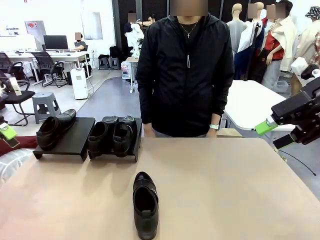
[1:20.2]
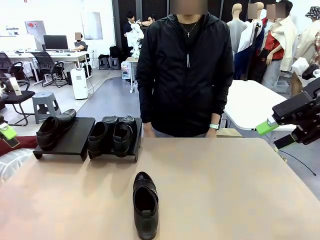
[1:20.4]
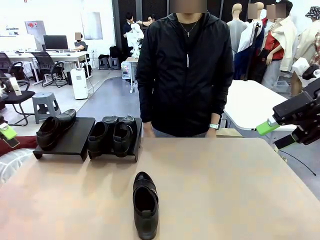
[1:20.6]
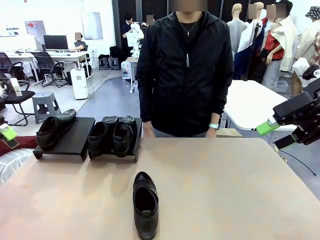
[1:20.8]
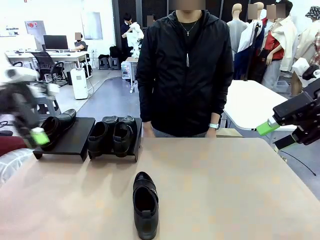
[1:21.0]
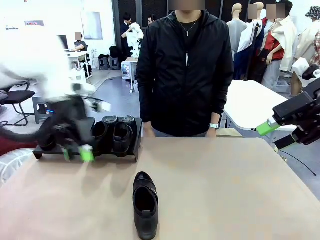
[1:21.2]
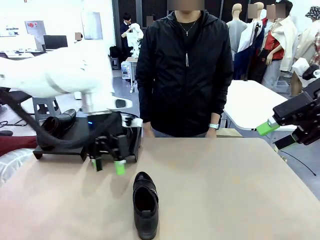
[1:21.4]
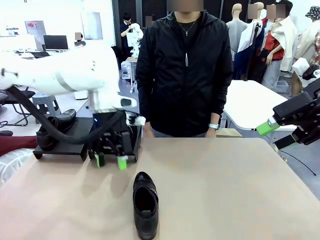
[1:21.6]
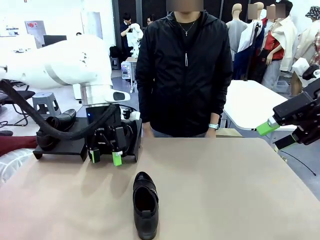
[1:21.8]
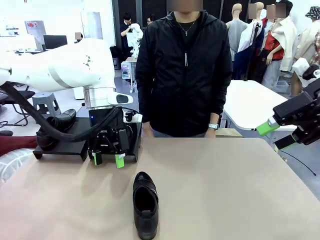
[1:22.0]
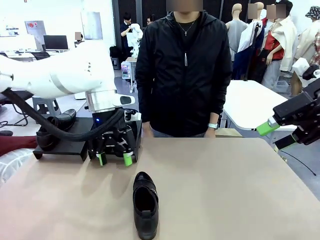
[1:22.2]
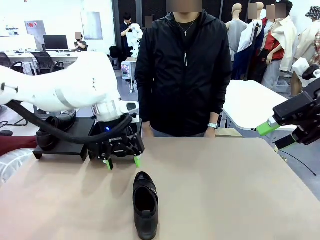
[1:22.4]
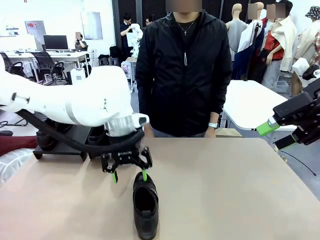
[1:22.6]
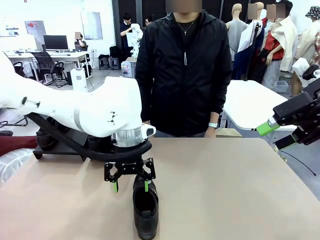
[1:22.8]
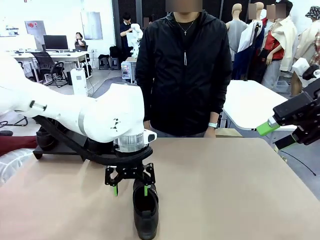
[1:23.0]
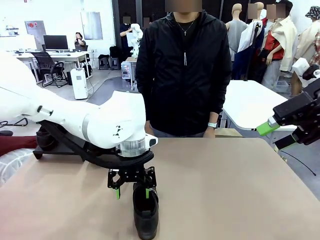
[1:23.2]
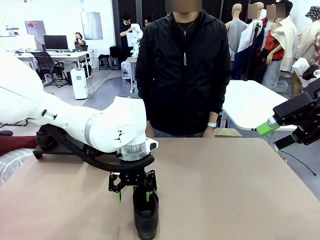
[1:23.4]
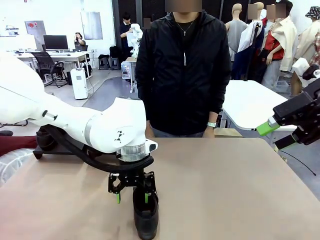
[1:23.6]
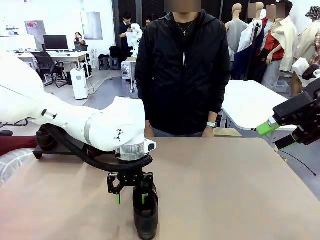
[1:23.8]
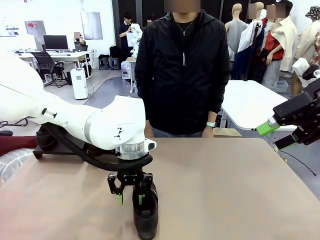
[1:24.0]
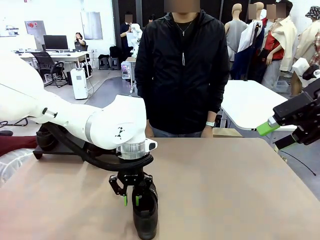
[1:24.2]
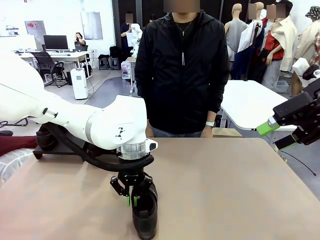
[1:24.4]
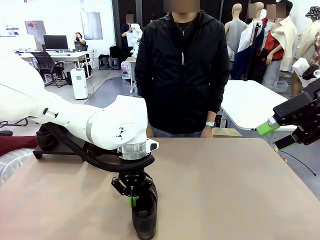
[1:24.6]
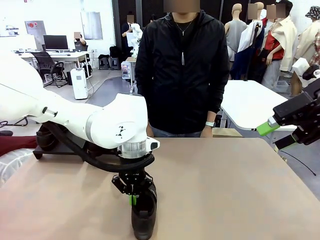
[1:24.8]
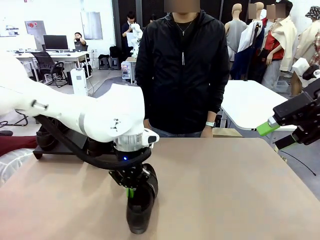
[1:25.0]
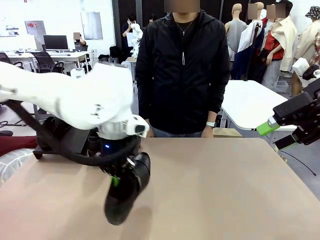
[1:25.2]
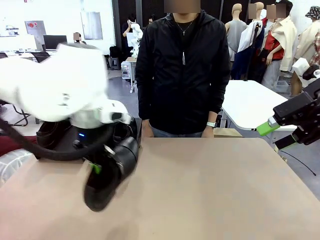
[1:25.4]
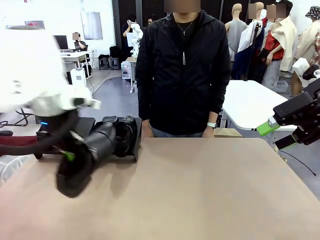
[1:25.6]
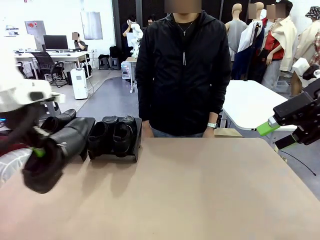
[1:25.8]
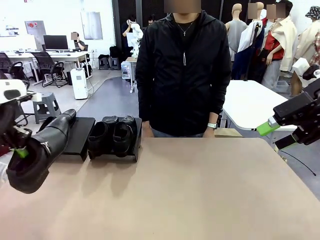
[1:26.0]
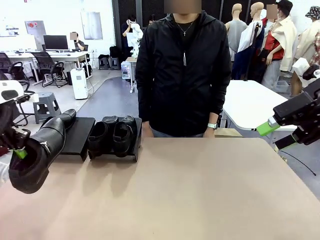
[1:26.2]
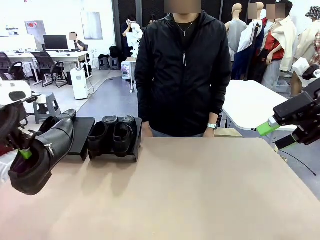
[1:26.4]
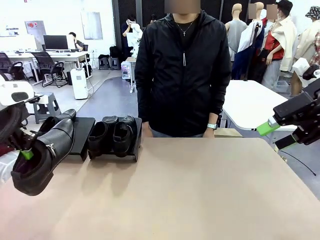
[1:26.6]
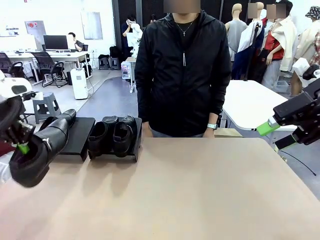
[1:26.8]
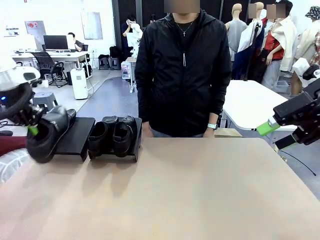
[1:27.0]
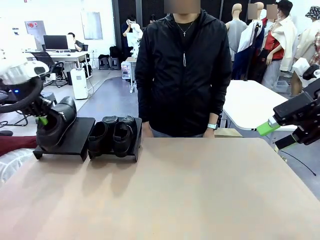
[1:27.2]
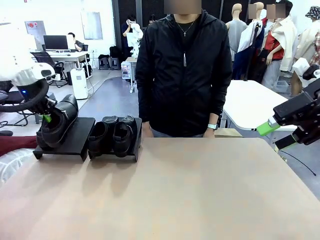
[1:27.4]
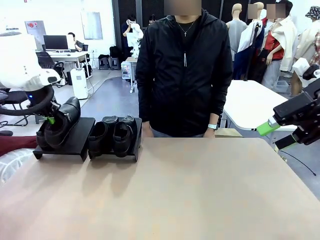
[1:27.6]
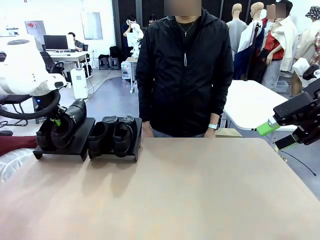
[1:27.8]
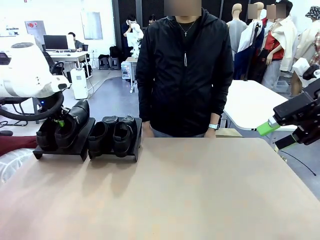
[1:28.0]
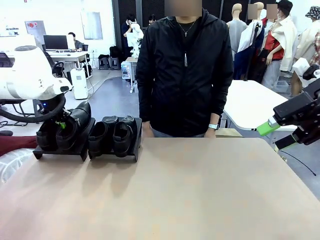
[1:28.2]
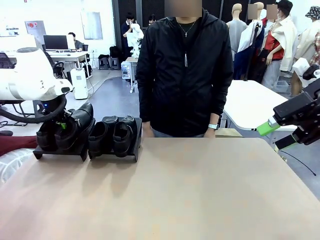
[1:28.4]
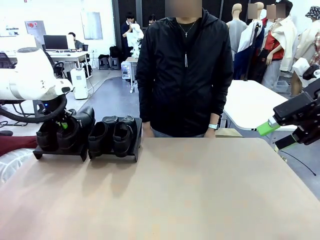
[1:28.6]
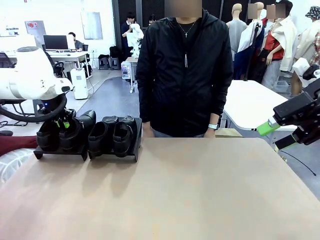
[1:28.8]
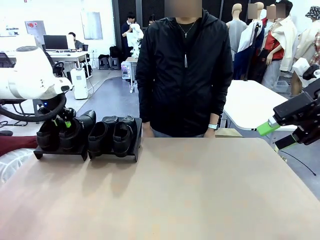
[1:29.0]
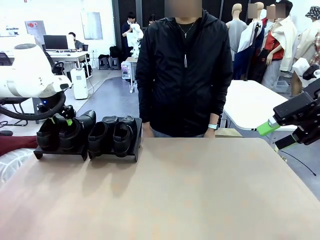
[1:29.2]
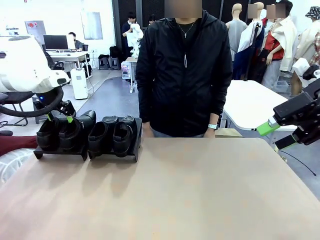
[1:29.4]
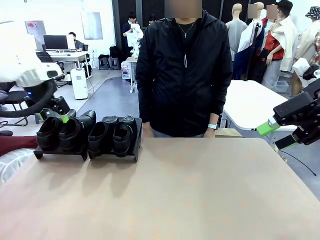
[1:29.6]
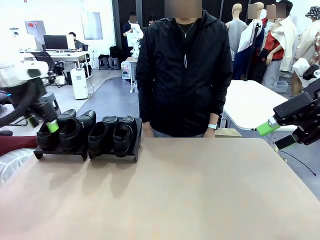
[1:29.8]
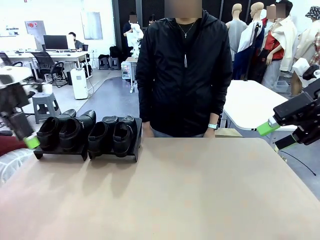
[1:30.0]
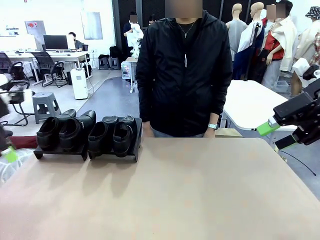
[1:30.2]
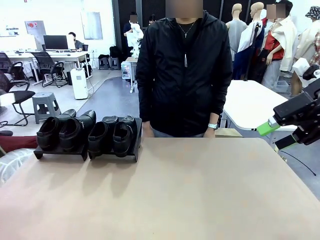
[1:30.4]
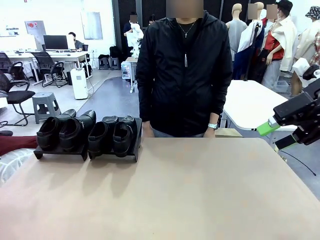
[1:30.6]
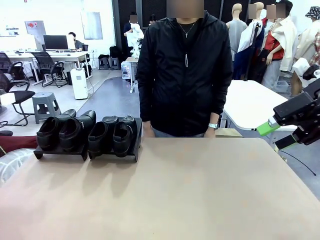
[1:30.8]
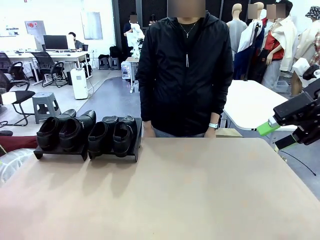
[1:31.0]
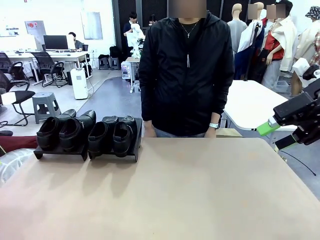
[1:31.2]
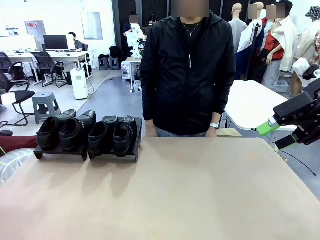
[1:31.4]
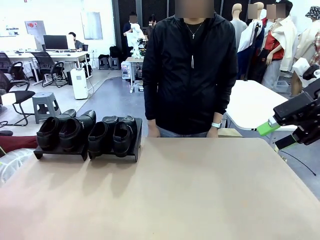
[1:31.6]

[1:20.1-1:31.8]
Task: Organize the shoes by placing them on the stand.
Robot: Place the Shoe from the middle of the table onto the Shoes Stand.

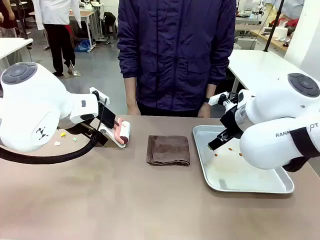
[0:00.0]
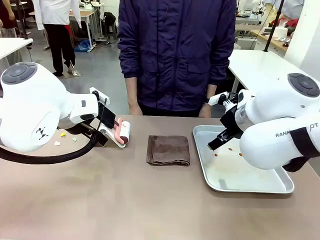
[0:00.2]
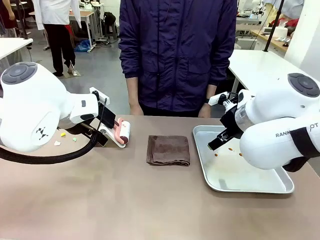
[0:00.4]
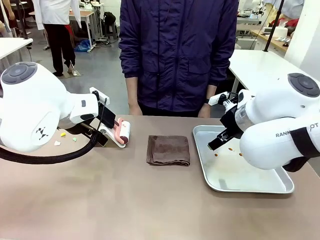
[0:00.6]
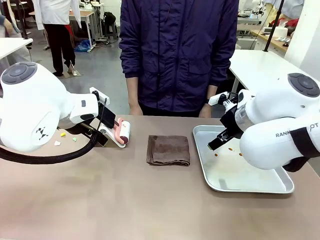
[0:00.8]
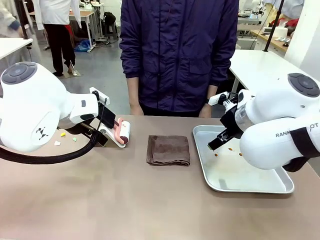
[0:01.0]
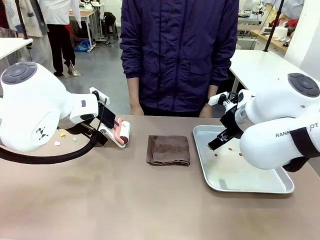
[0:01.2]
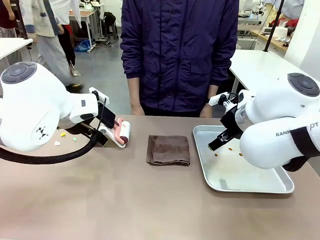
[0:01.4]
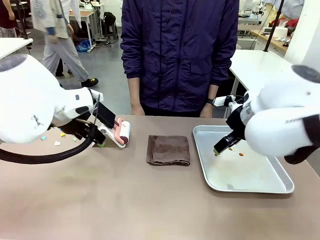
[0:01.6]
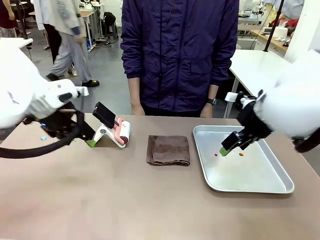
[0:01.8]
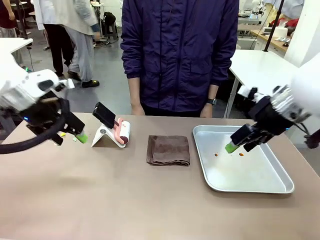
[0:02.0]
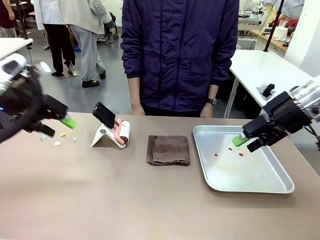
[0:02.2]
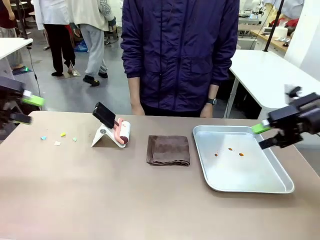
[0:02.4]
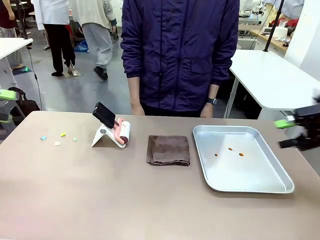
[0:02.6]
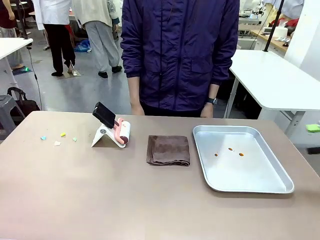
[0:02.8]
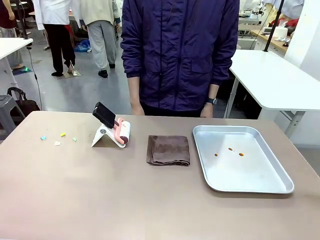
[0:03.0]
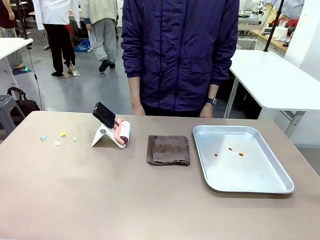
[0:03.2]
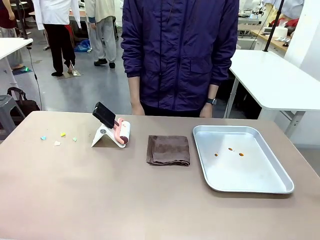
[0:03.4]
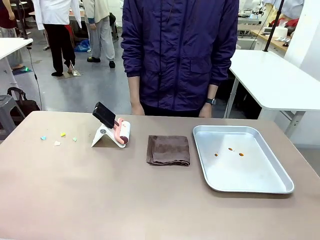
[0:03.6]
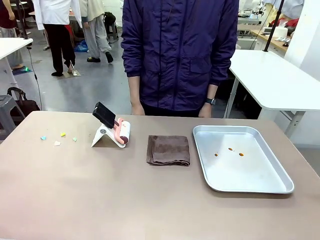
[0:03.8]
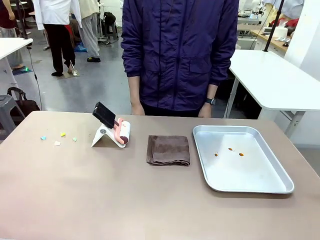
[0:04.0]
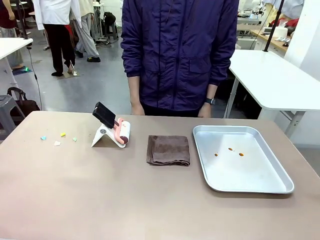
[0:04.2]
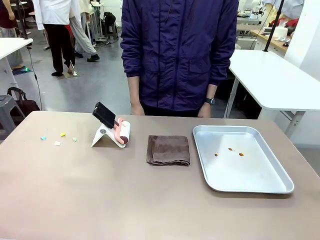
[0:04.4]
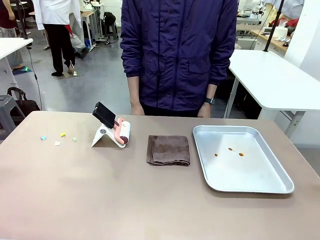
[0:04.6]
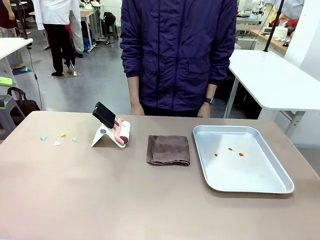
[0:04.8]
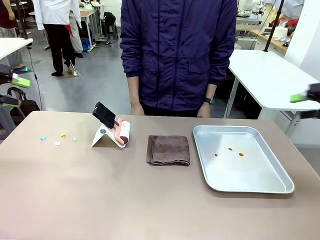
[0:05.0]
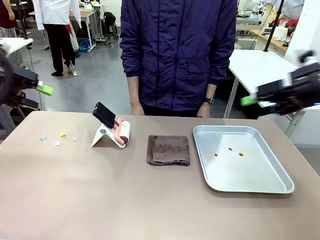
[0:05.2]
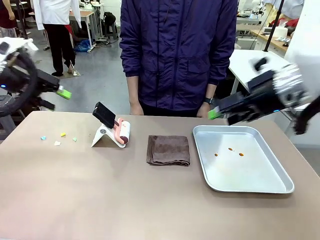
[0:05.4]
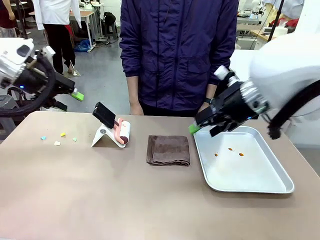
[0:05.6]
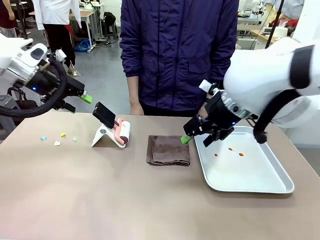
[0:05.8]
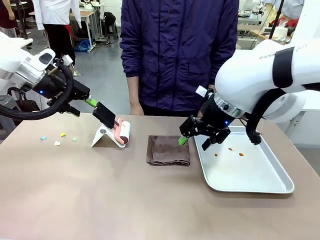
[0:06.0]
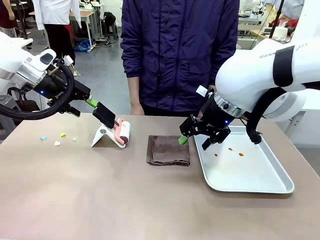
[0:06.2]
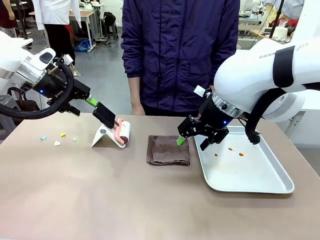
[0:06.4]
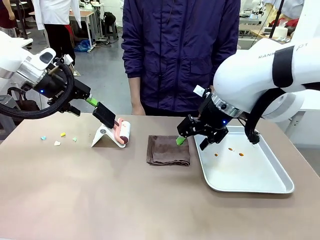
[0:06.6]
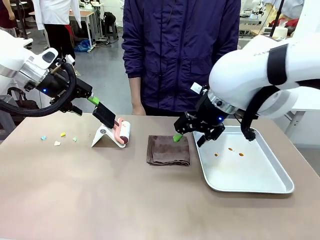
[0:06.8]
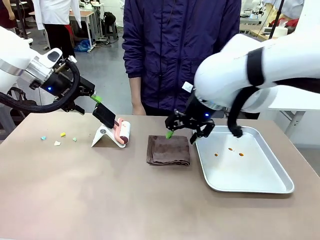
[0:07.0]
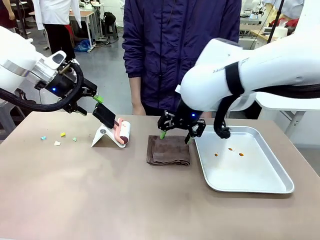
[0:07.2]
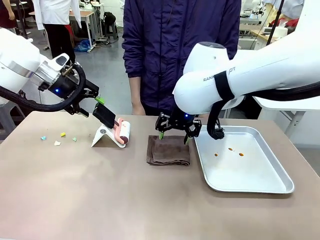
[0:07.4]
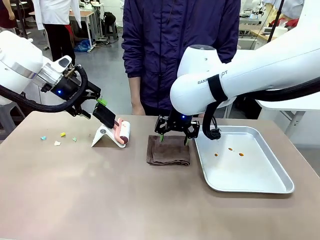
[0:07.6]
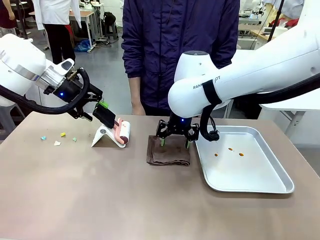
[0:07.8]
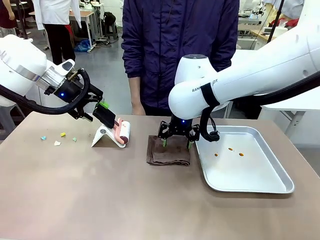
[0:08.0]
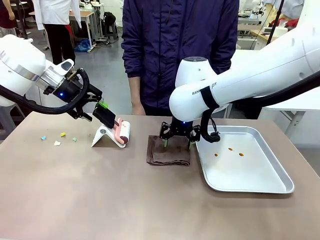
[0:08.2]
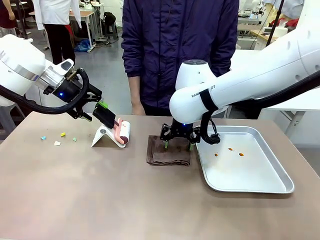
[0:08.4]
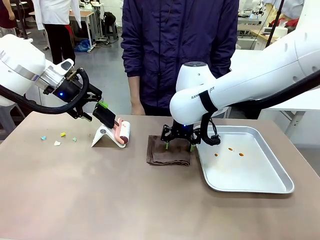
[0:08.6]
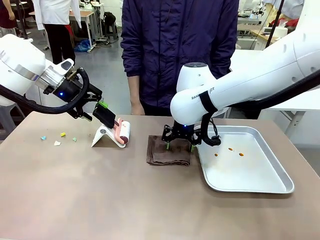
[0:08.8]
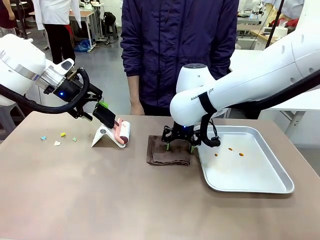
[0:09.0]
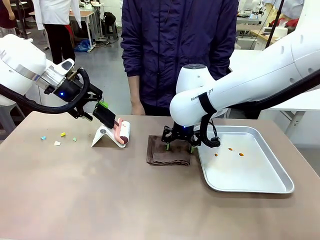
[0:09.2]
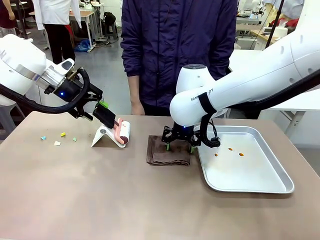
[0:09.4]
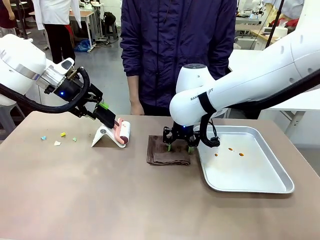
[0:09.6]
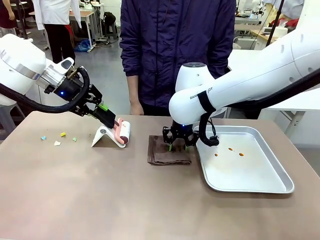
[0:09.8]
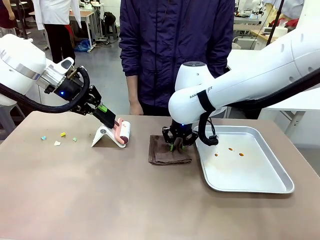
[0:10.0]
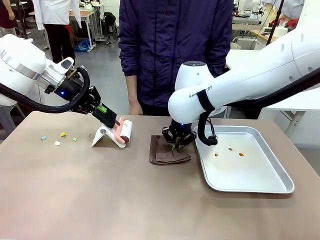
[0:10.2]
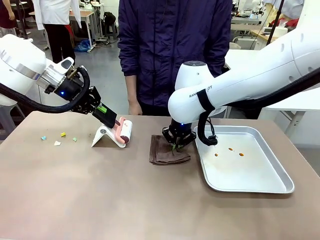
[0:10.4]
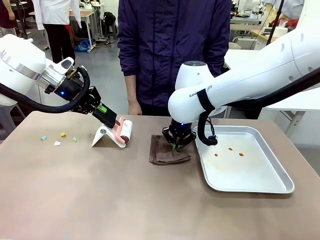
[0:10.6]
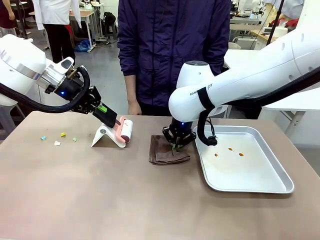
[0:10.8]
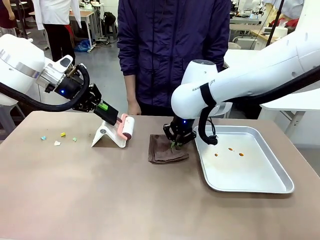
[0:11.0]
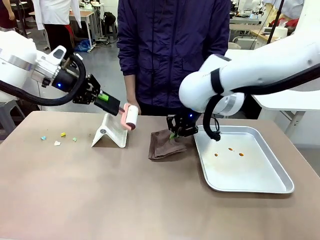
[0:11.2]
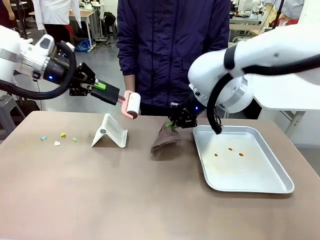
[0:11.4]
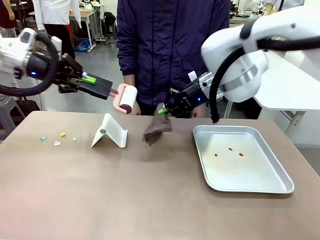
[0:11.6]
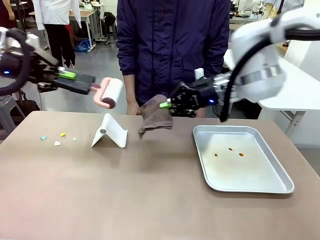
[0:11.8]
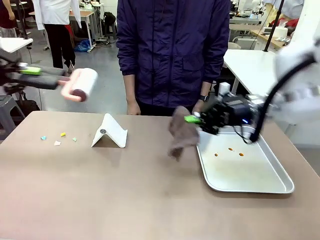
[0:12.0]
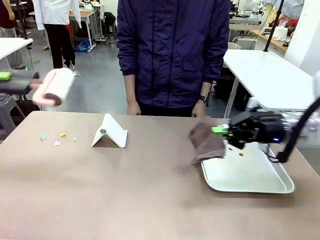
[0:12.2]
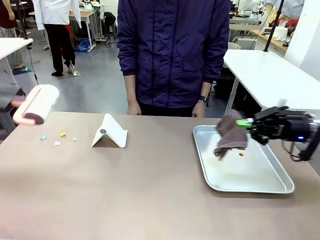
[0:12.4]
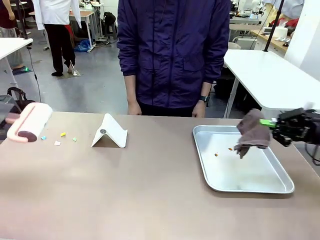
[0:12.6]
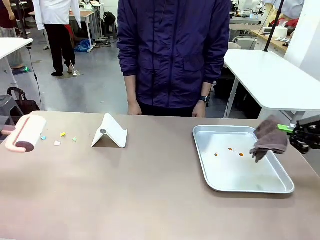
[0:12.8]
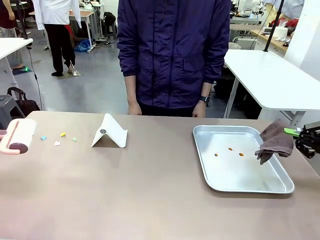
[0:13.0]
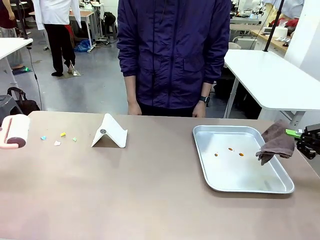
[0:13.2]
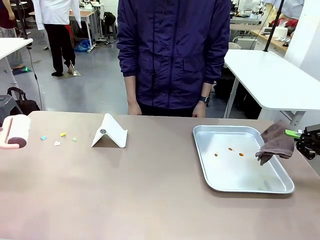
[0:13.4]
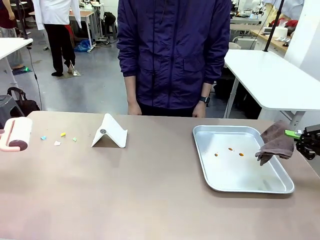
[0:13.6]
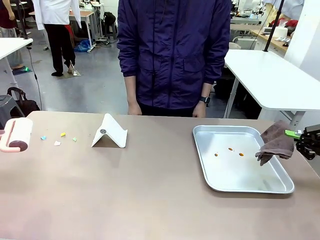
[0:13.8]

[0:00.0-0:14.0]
Task: Clean the surface of the table.
Robot: Hold the Lint Roller with your left hand and the towel with your right hand.
